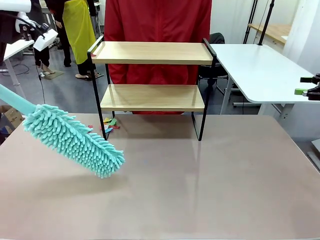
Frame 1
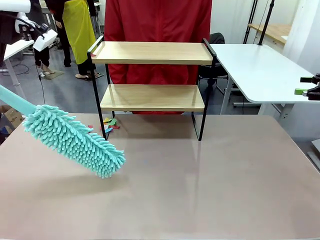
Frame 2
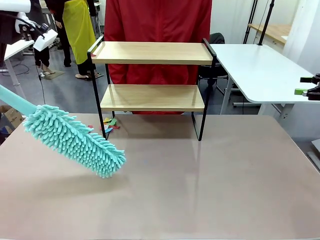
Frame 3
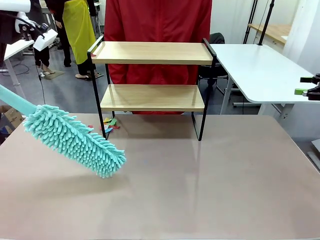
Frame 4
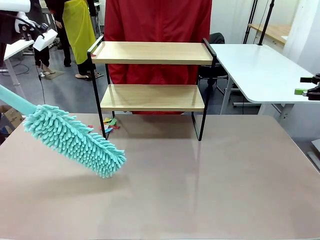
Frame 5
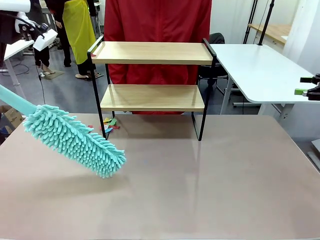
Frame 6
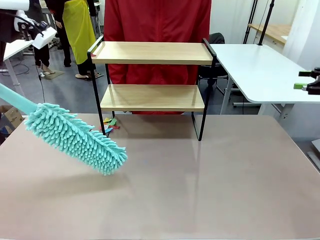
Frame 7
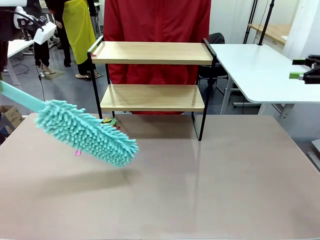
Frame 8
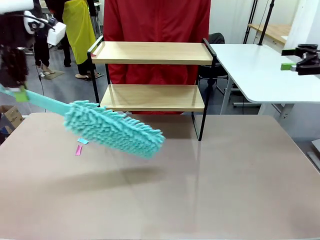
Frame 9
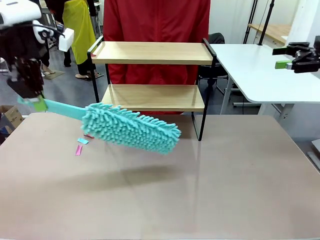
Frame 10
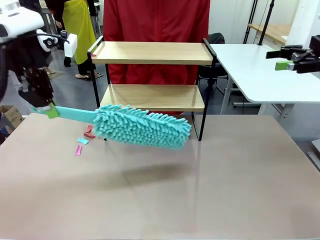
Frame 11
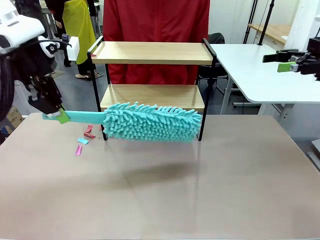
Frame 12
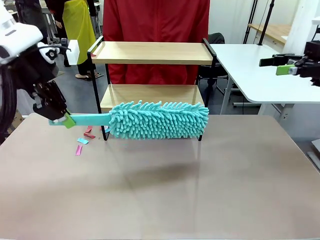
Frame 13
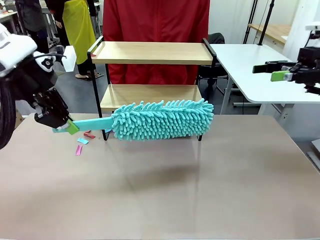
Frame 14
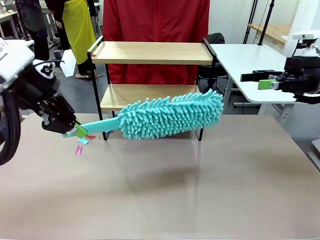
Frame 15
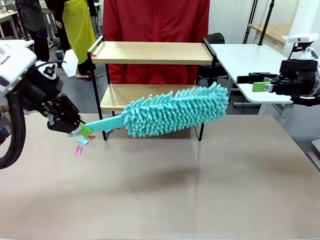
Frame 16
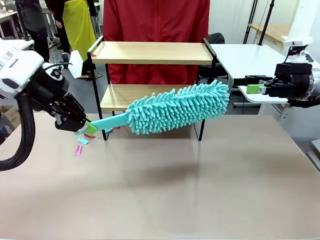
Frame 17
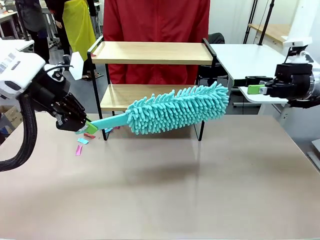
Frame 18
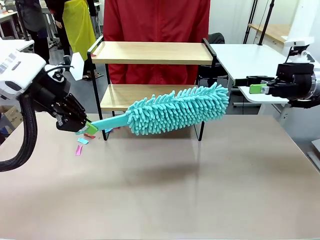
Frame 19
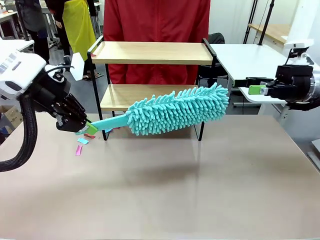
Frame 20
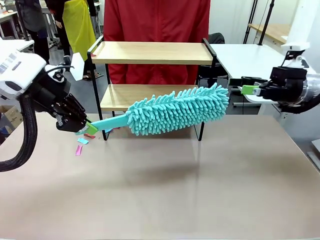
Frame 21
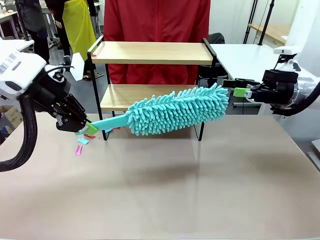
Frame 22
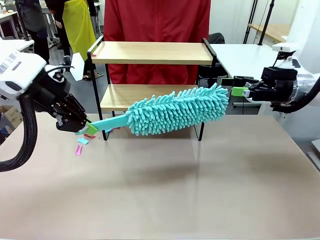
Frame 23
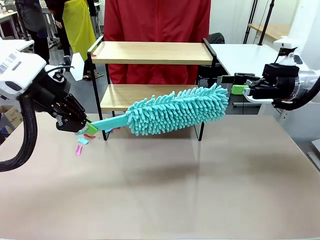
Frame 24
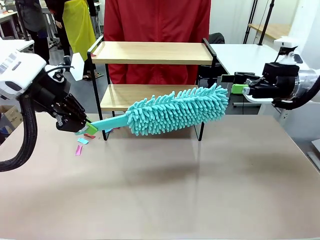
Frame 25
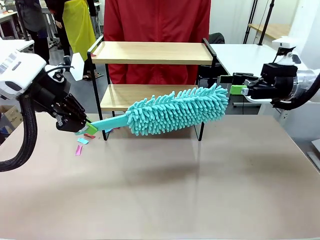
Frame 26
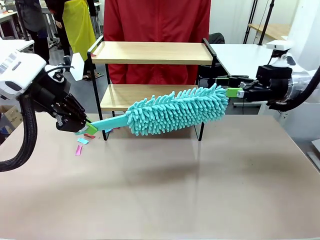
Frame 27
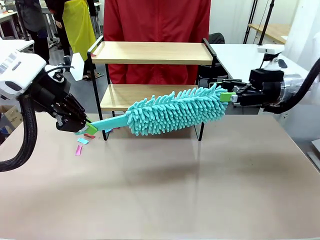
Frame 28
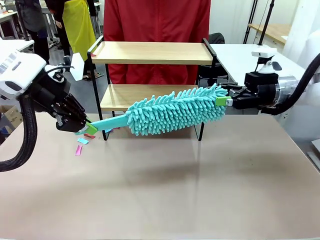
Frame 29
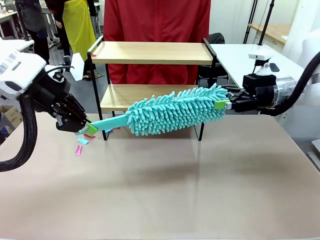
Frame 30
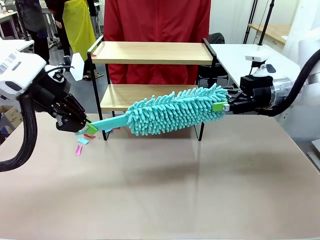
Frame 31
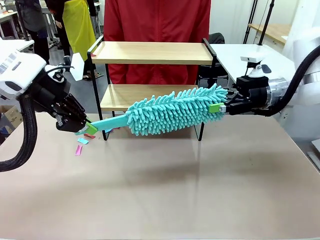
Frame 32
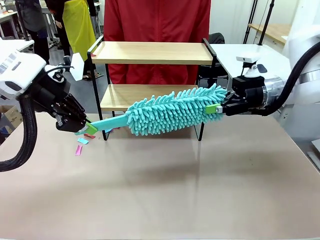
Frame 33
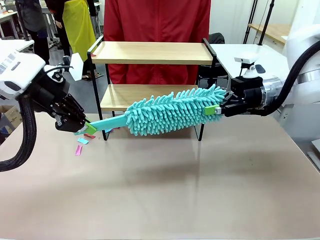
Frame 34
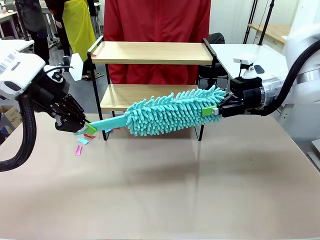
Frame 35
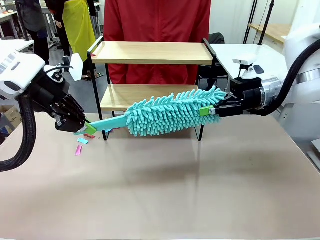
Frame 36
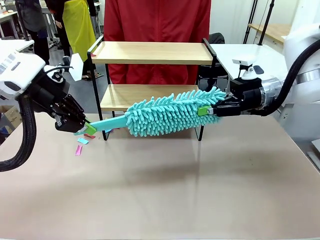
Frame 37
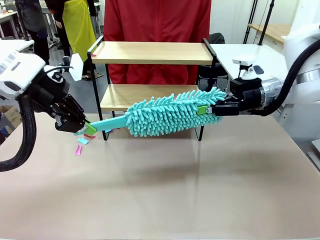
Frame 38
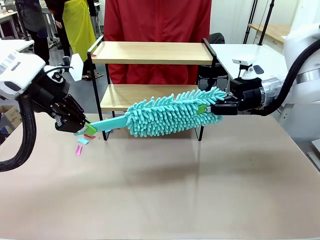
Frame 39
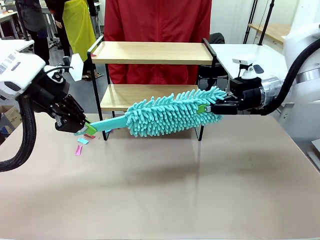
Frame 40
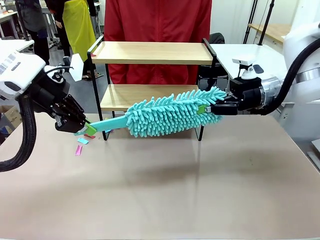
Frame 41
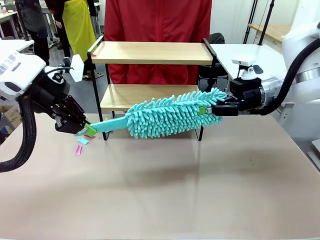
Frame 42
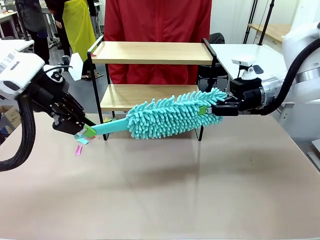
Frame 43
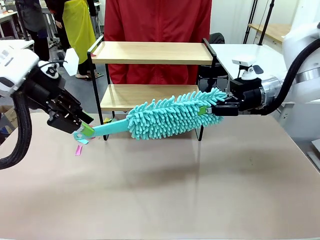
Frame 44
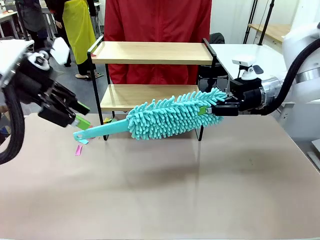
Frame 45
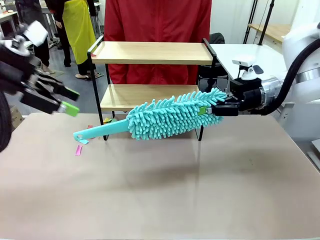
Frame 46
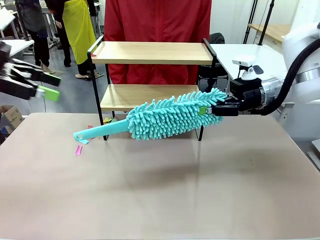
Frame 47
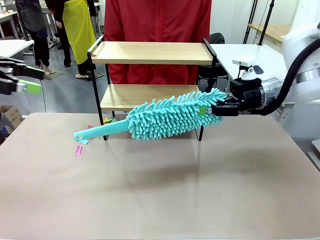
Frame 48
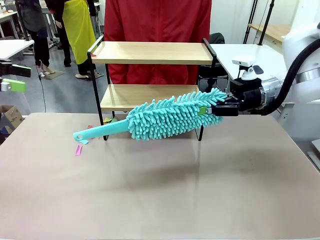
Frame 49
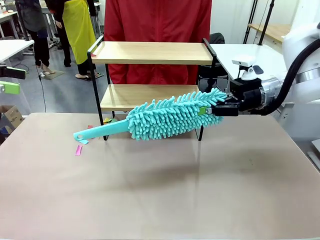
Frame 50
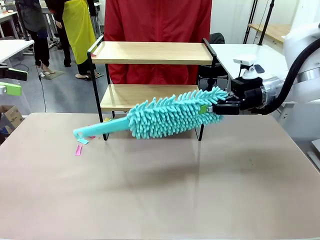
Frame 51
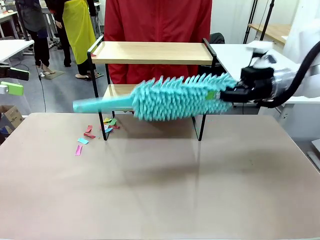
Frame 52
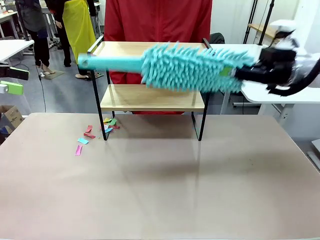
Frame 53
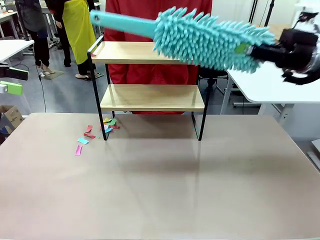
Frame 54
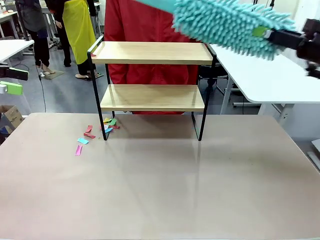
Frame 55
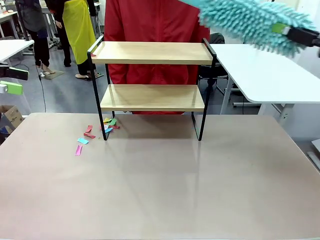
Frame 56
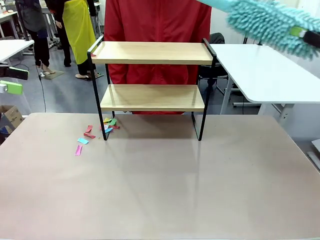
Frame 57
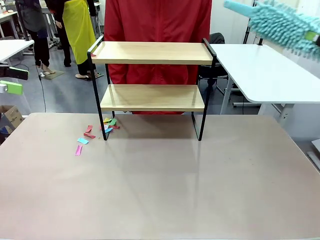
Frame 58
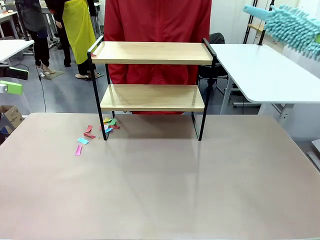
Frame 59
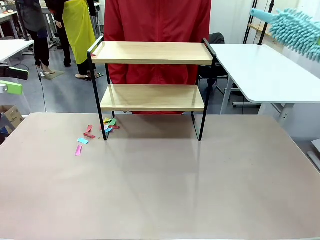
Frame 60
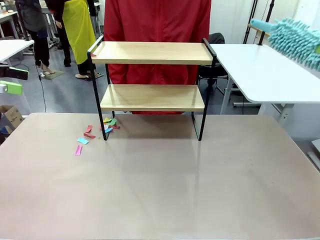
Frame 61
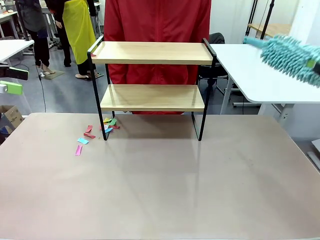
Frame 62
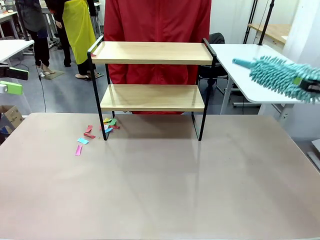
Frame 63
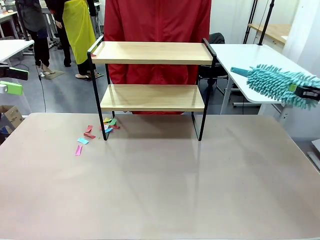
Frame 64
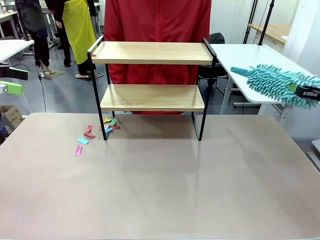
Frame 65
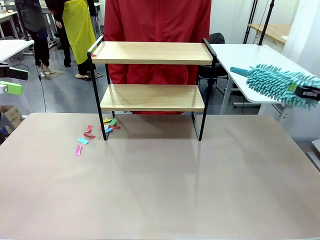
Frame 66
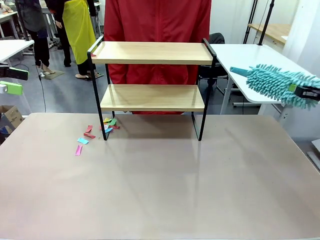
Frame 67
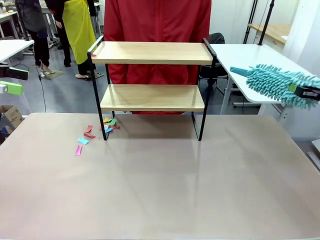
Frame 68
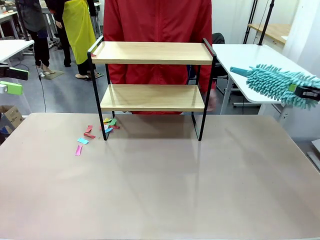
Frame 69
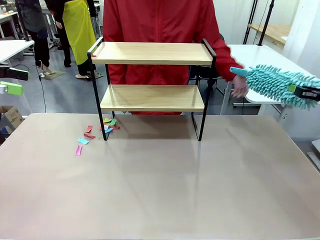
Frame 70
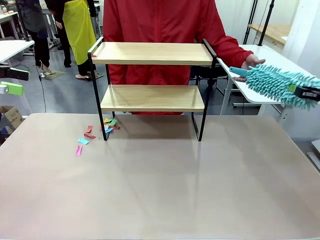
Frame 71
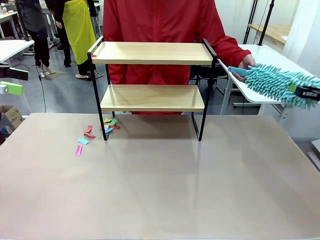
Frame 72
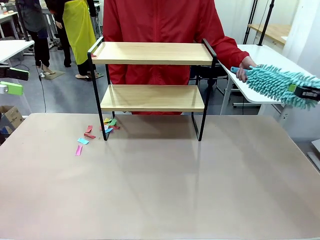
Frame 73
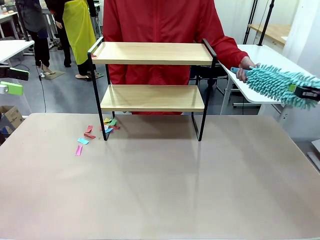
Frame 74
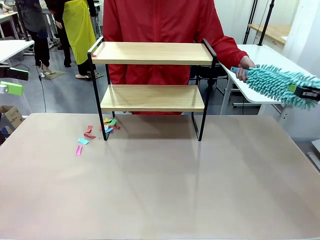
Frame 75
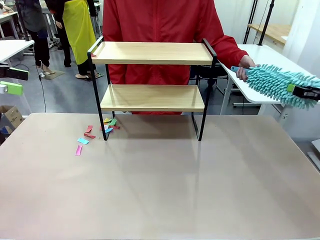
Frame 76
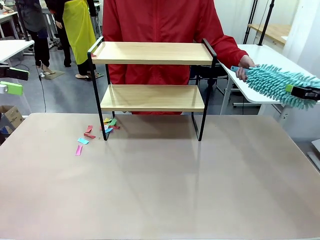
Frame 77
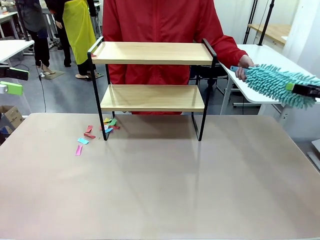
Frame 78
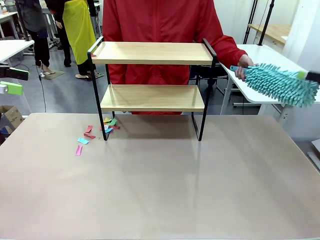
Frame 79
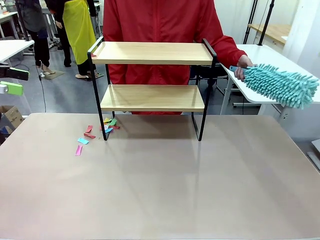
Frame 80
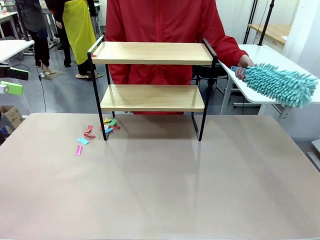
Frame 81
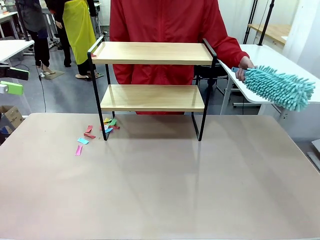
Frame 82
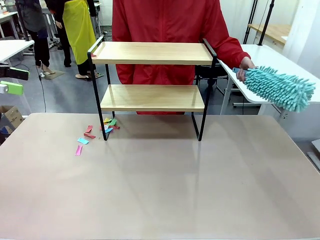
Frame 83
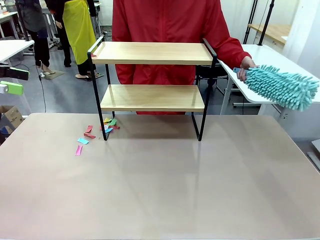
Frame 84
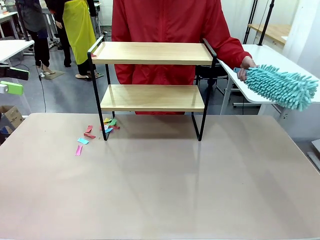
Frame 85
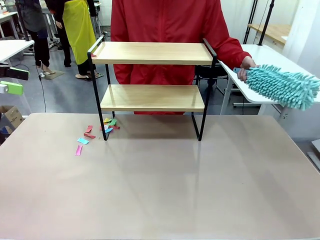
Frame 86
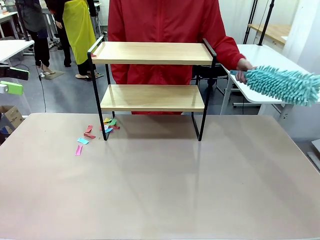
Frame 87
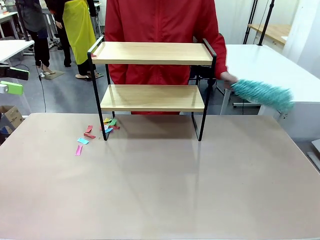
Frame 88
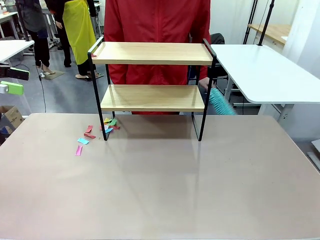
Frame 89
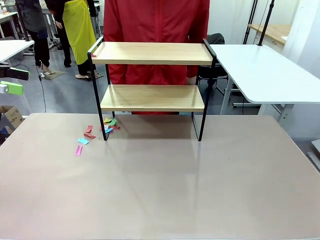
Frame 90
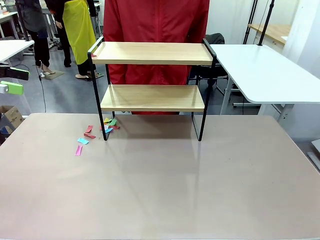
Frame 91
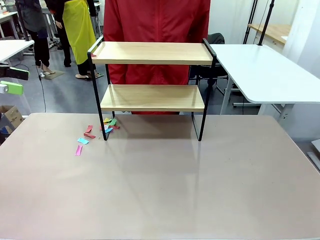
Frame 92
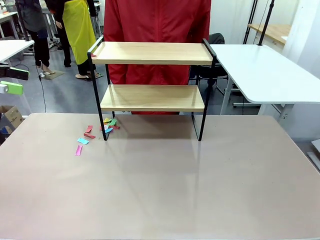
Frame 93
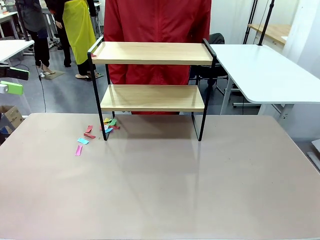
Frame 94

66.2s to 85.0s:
Task: Clean the shelf.
Robot: Hand the Duster back to the human.
Person: Receive the Duster from the robot.
